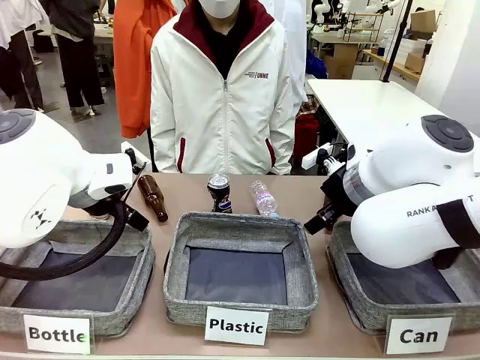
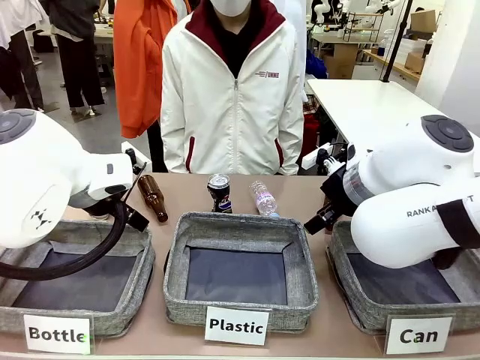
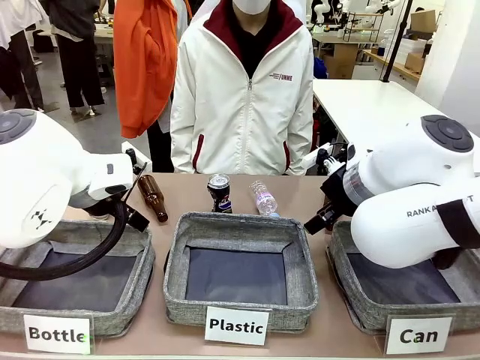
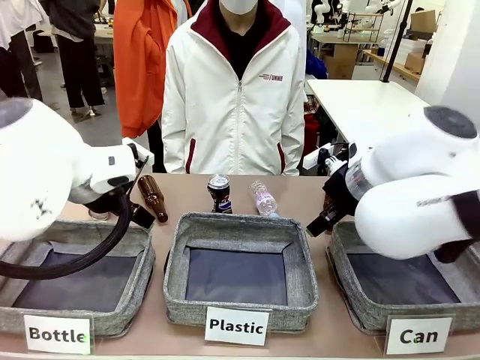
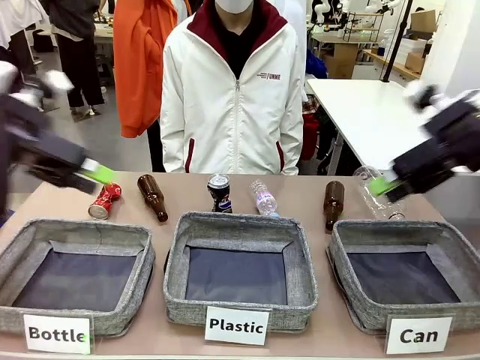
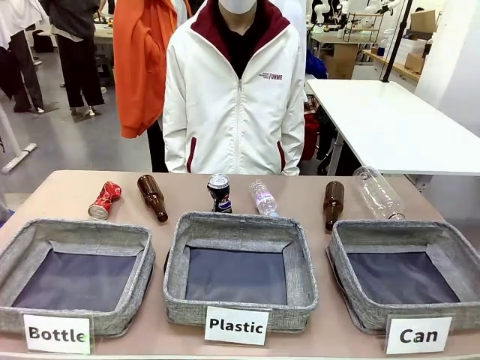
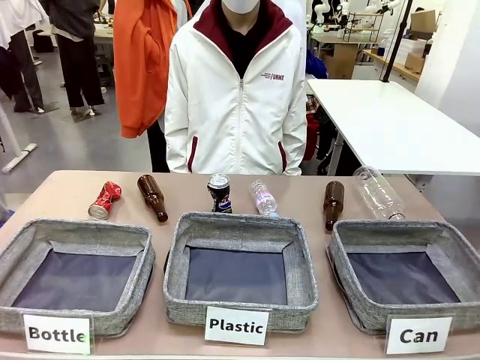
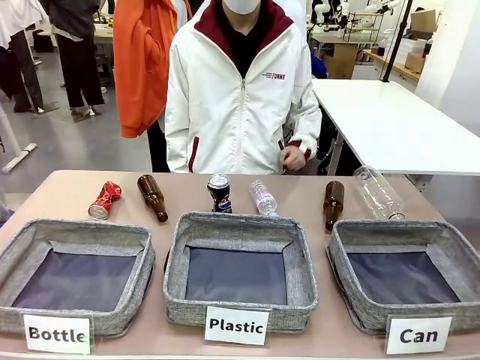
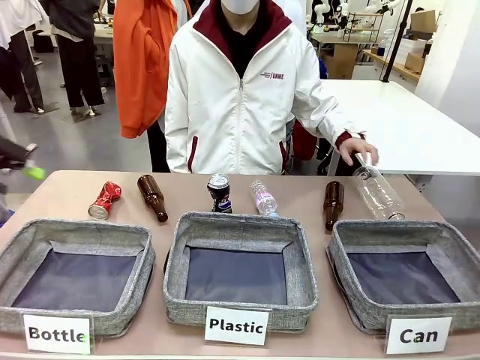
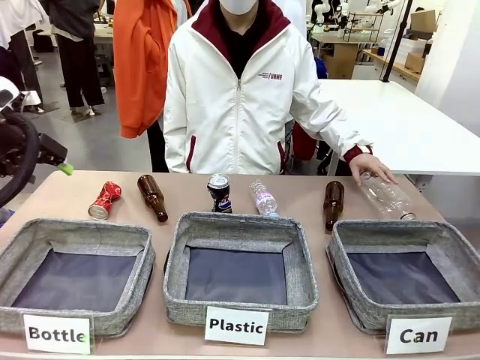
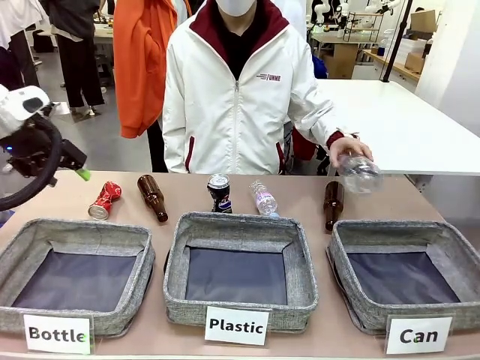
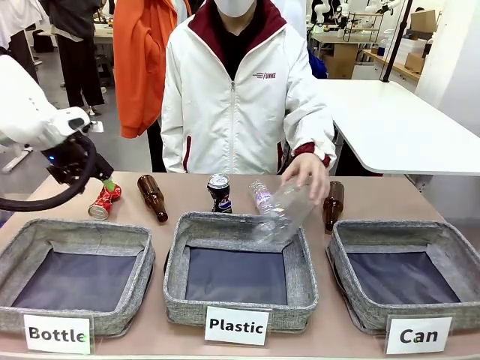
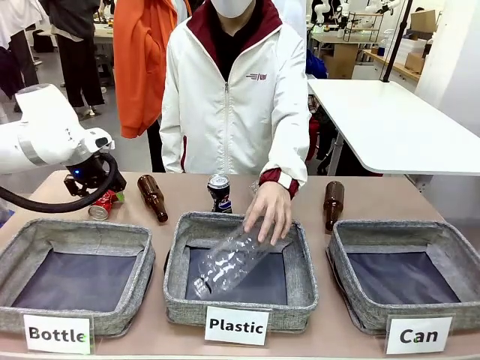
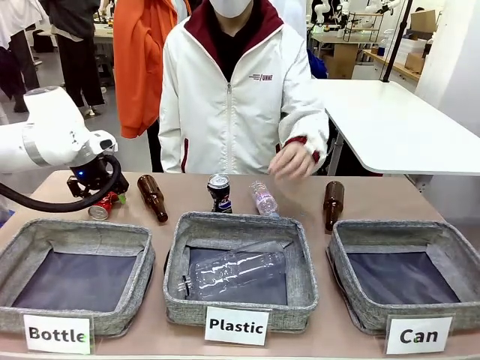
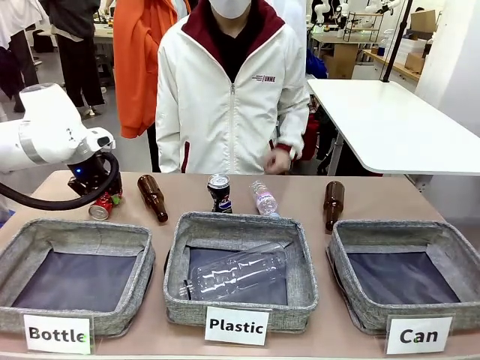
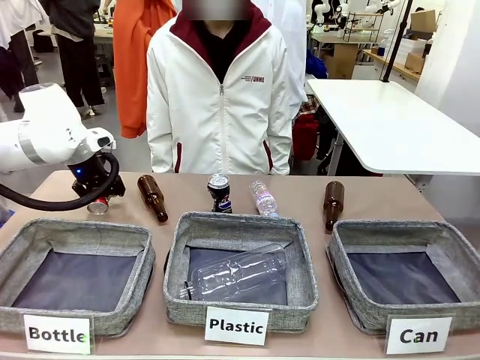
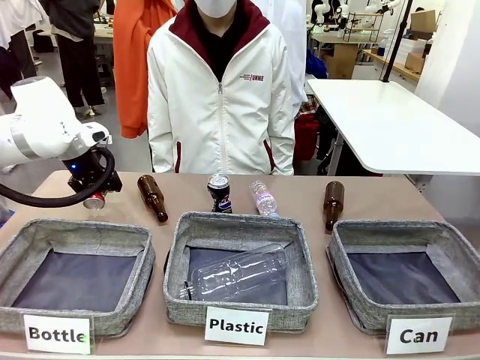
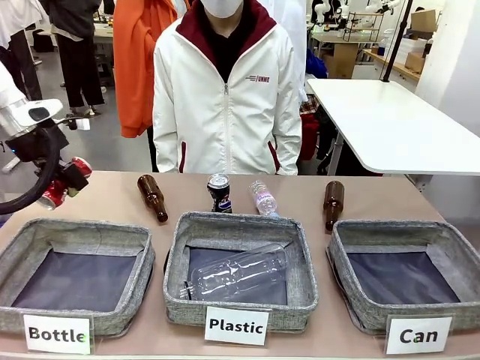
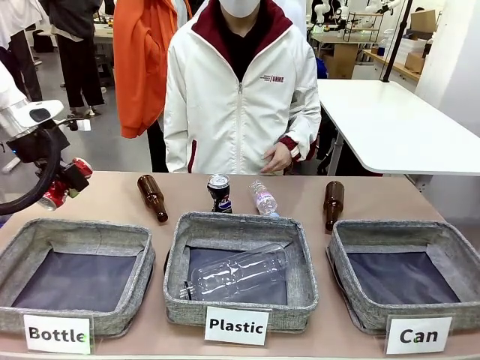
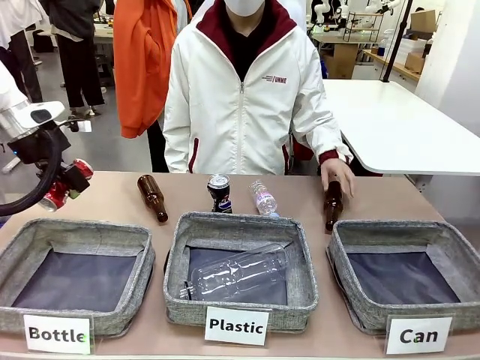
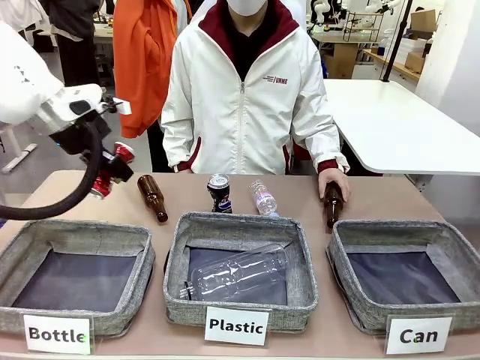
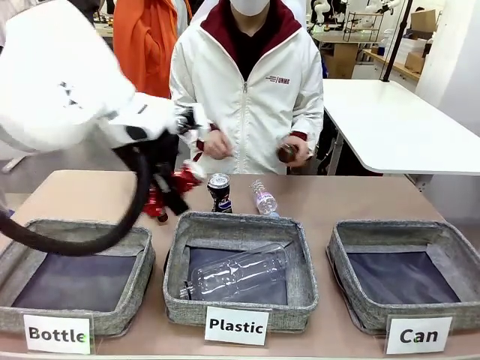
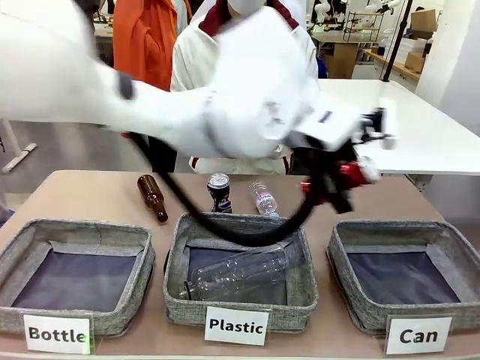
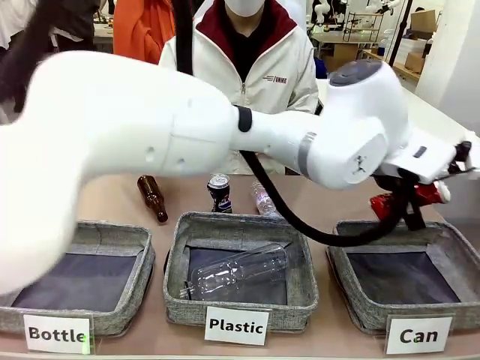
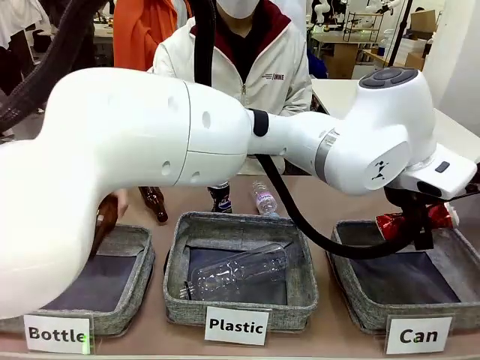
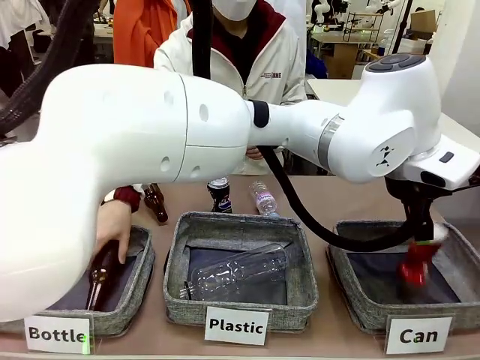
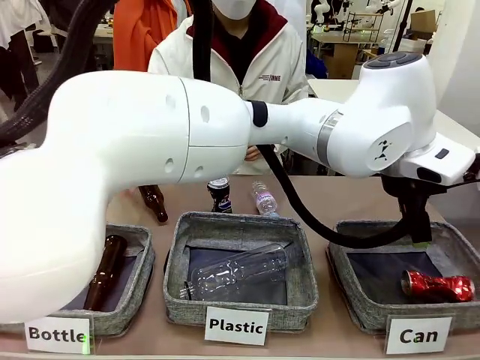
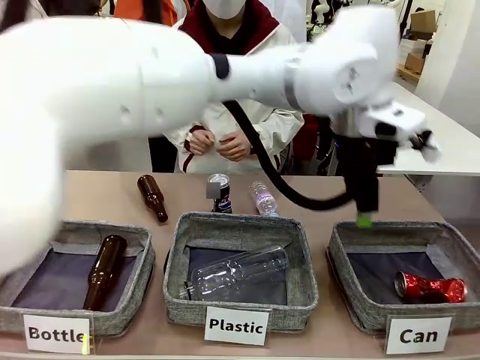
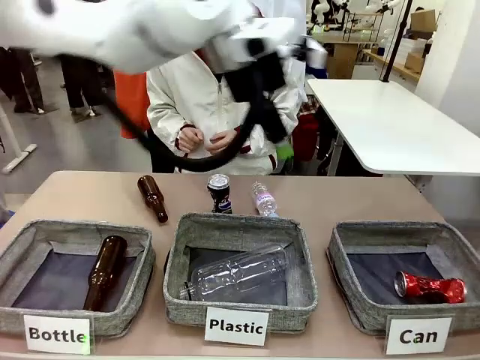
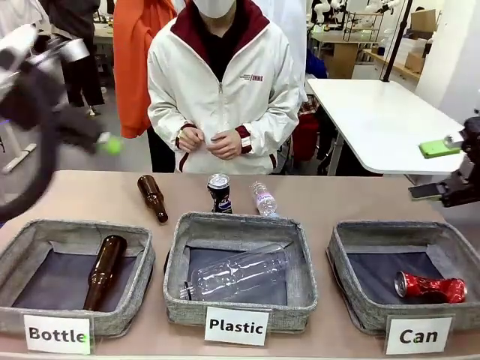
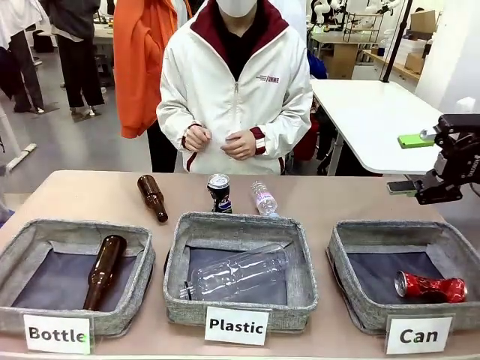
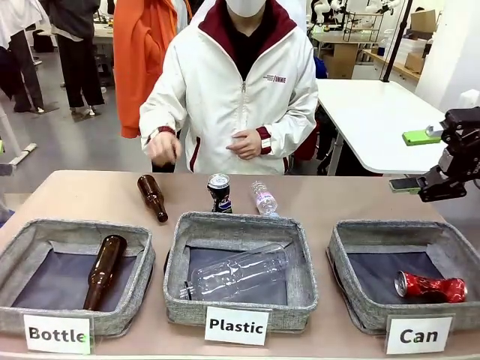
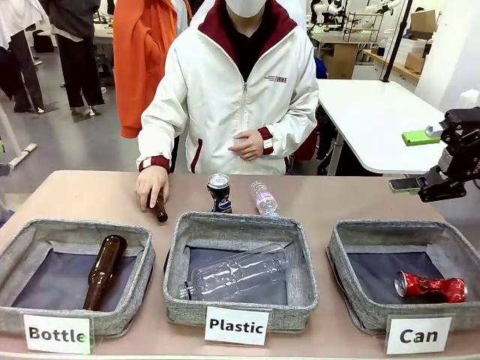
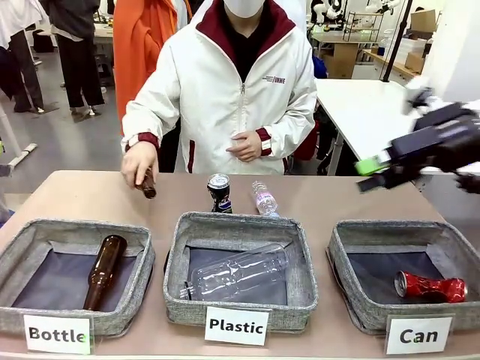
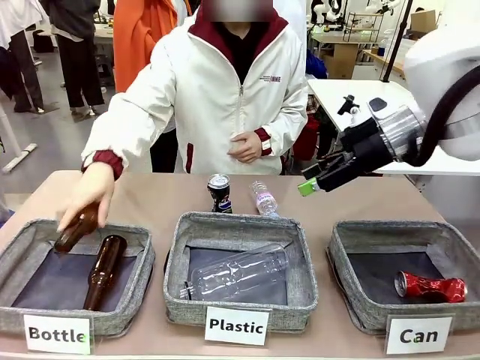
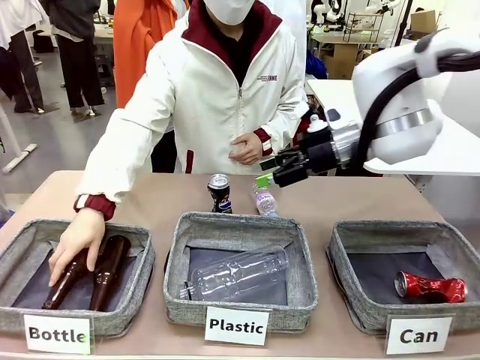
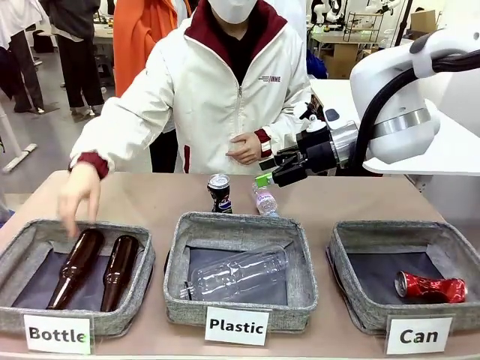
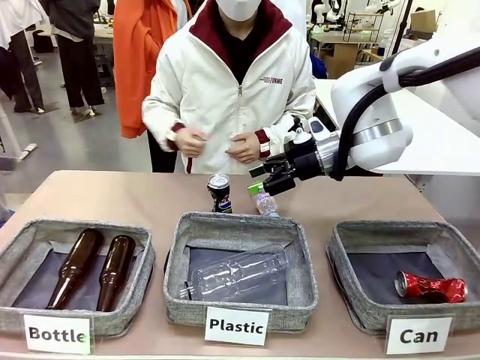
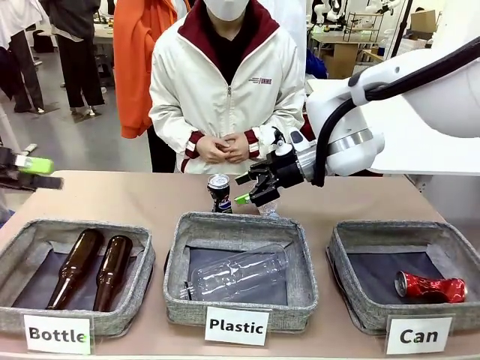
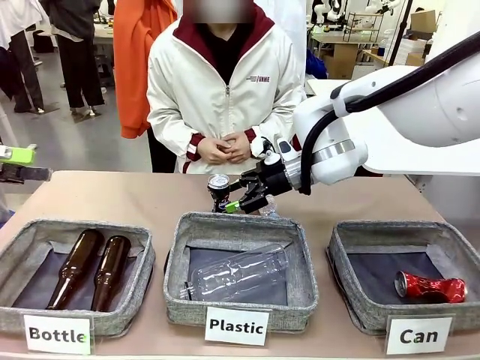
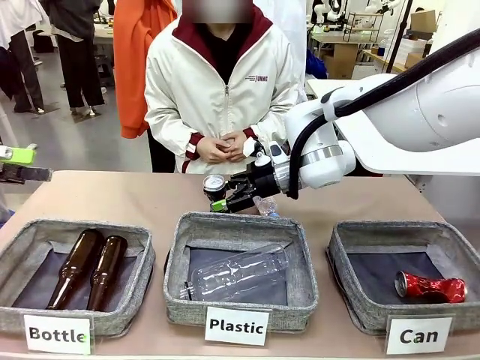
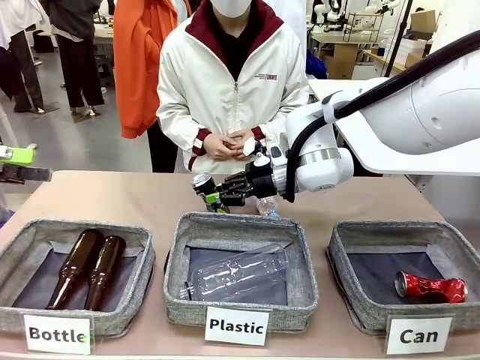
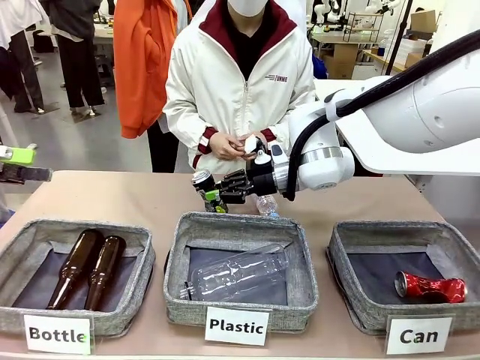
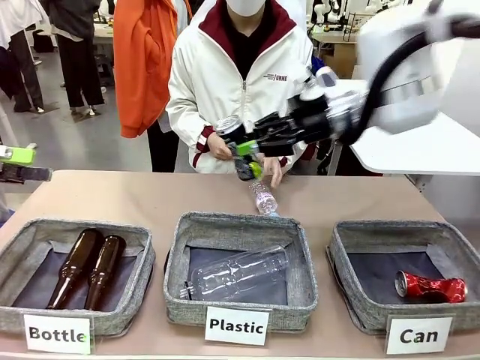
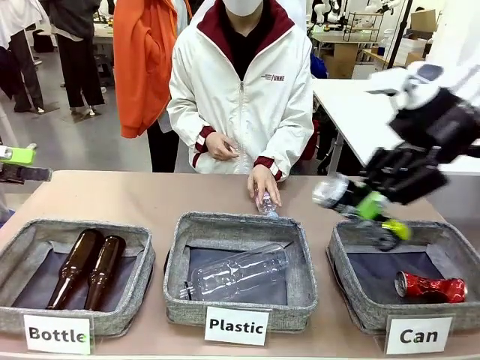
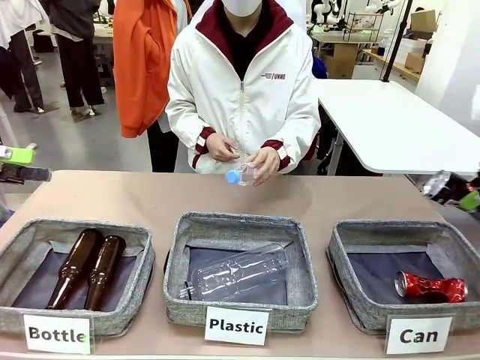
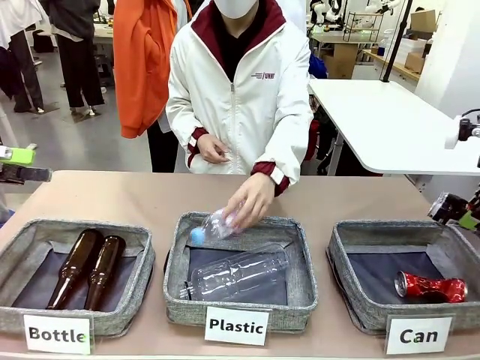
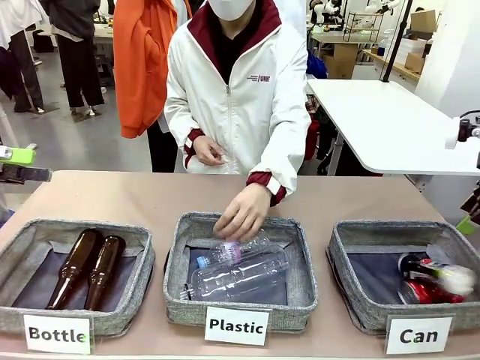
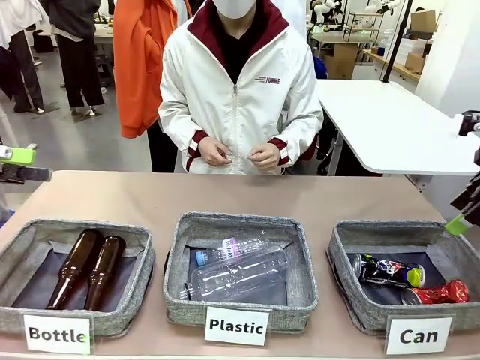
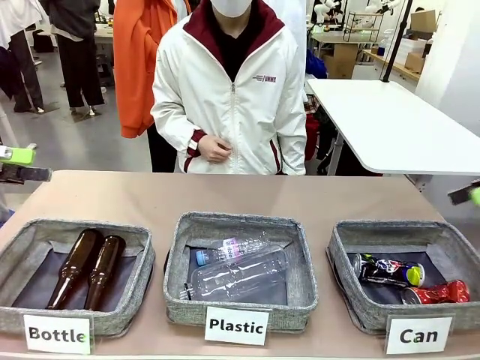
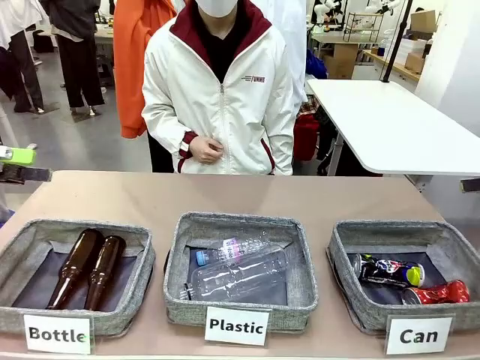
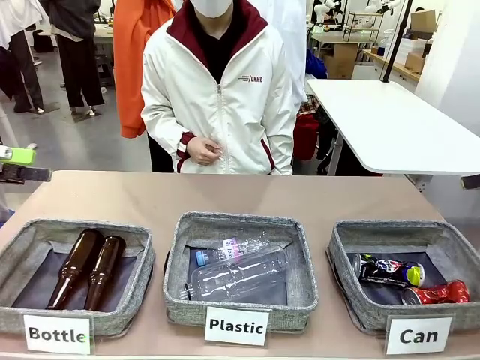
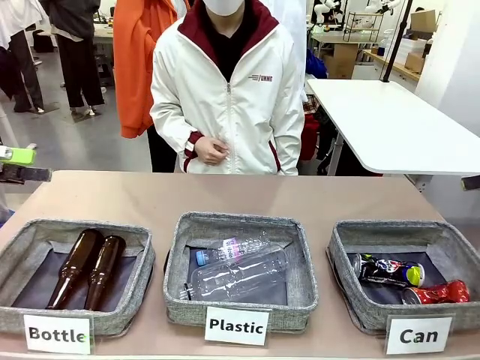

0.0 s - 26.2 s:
Task: Sort the can waste into the basket.
Robot: Pick up the can waste from the table and place it in the right Fabric basket.
Person: The human picks up one piece of trash that is not a can and places the trash into the appropriate organizing basket.
